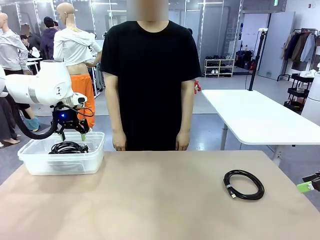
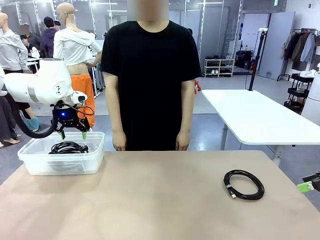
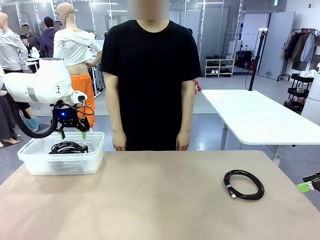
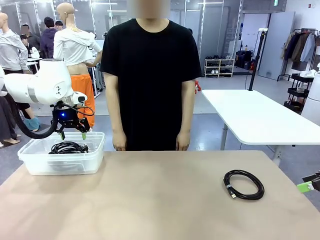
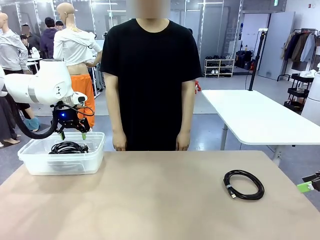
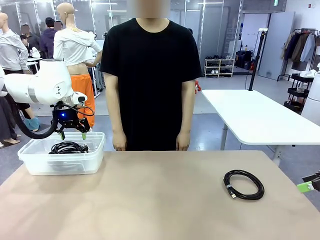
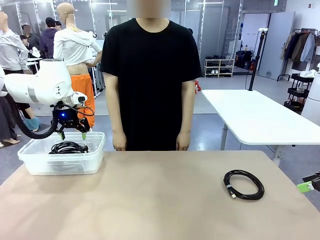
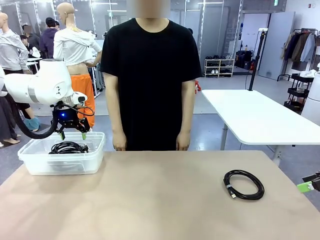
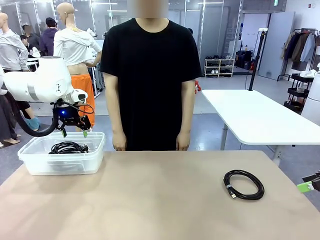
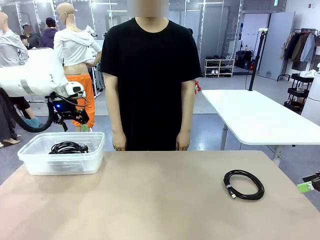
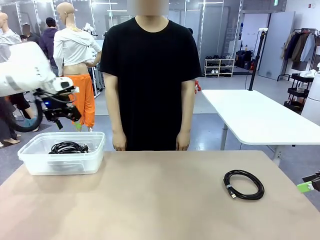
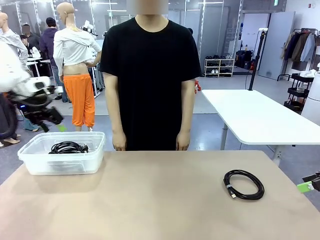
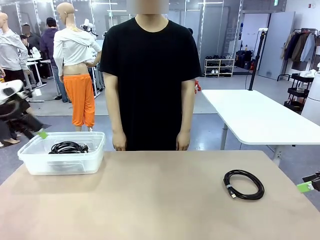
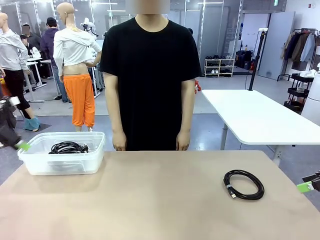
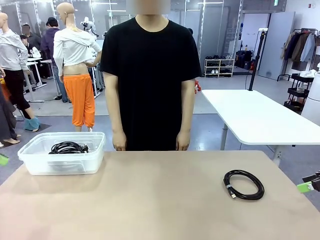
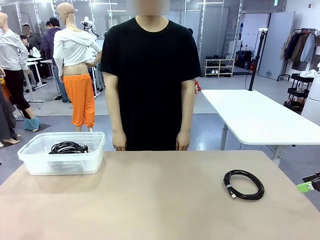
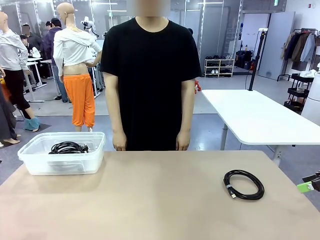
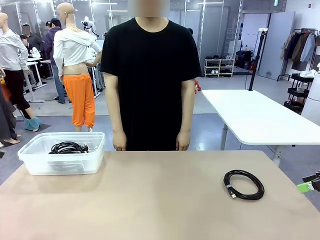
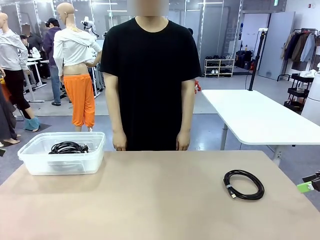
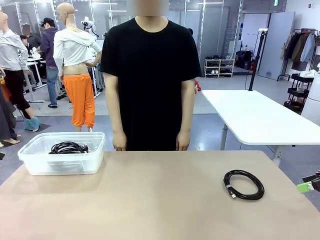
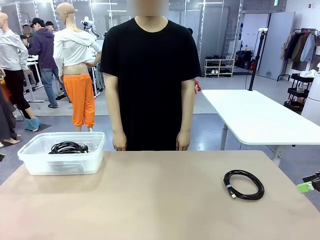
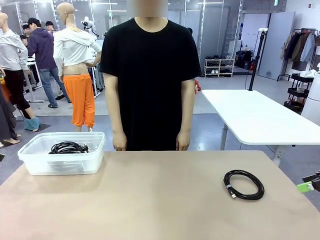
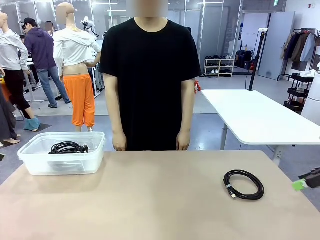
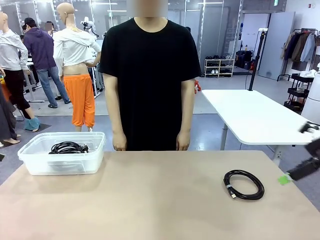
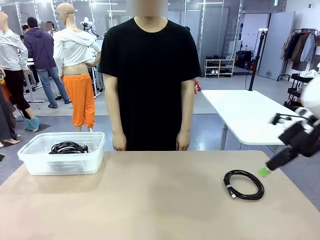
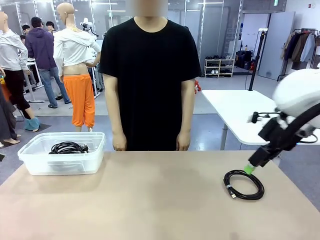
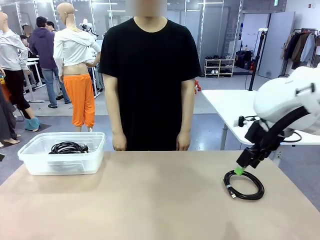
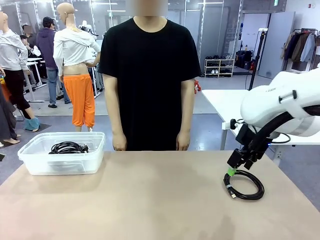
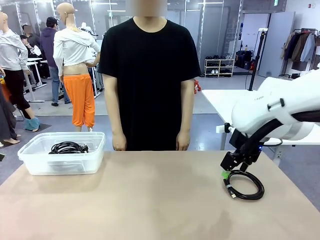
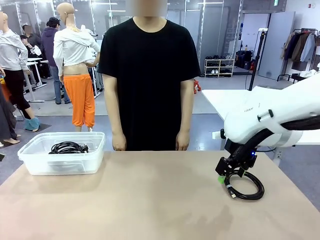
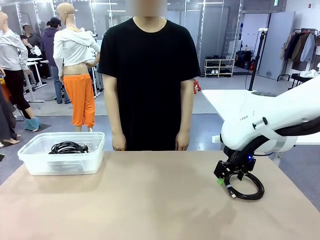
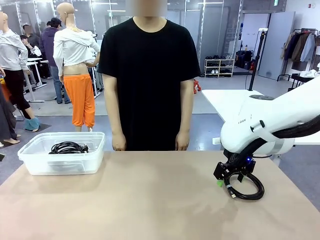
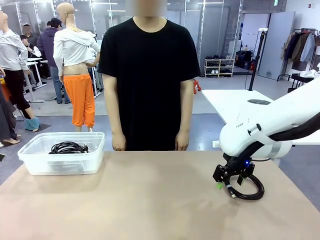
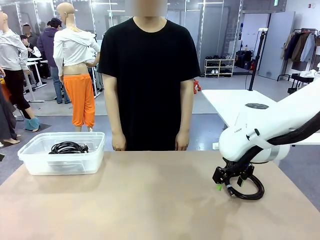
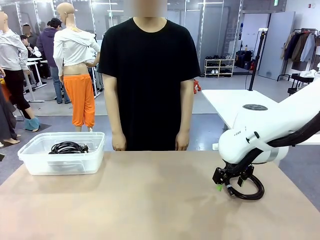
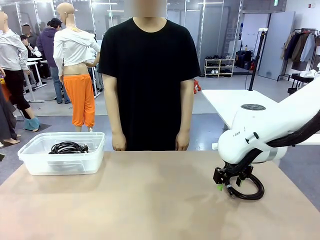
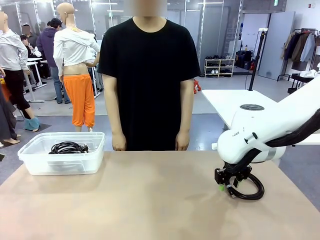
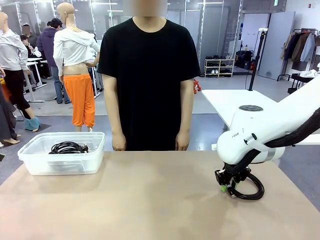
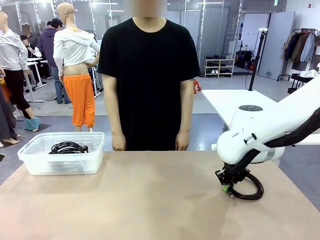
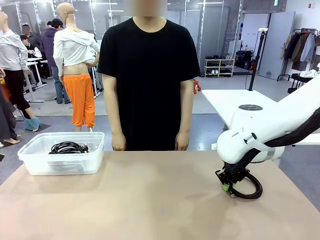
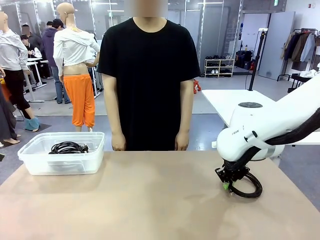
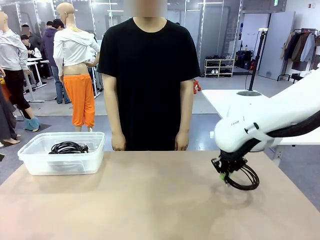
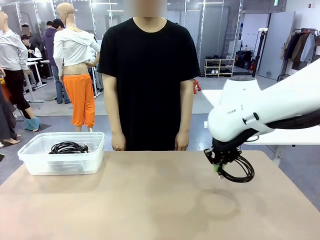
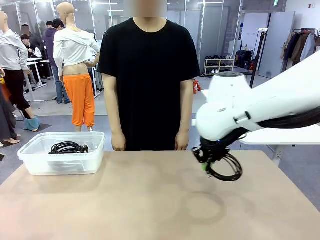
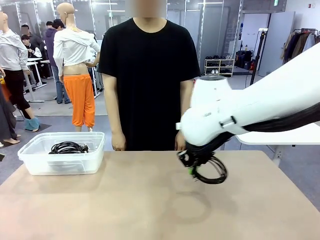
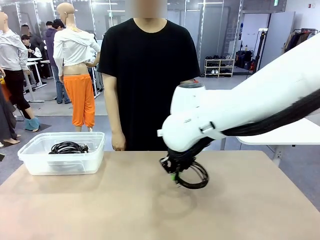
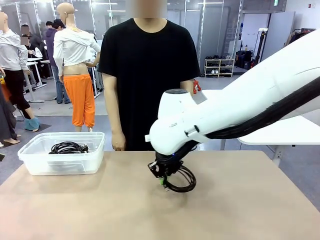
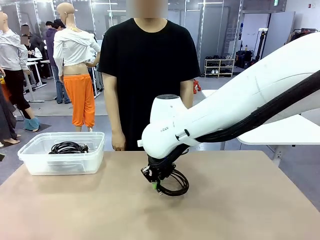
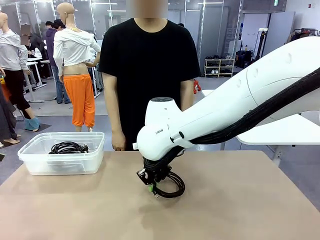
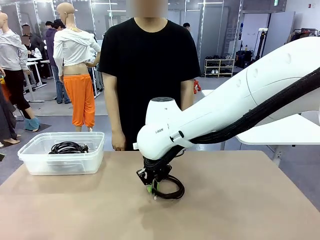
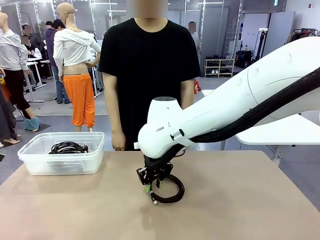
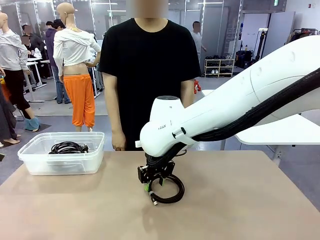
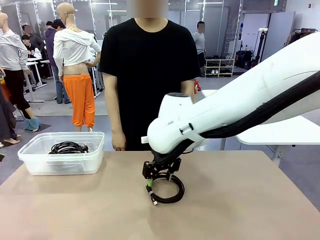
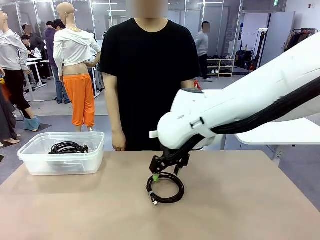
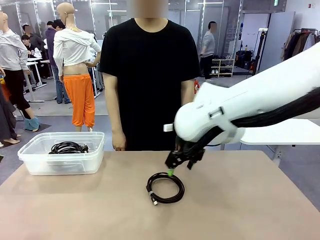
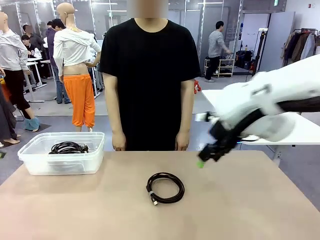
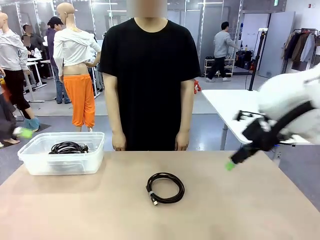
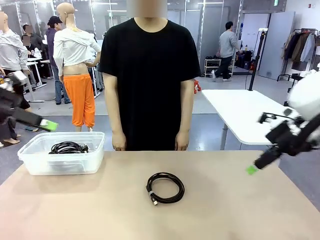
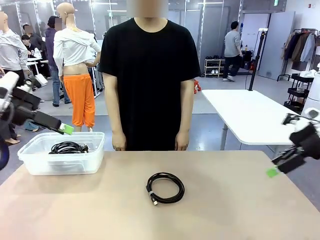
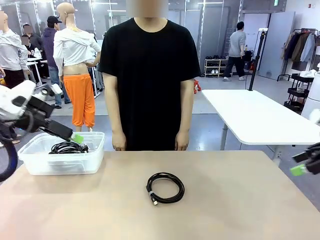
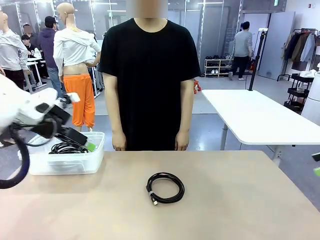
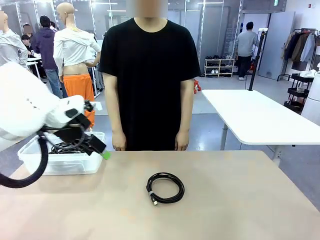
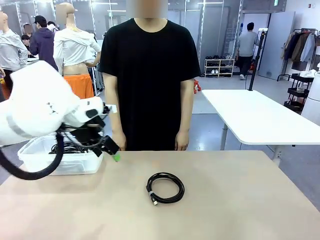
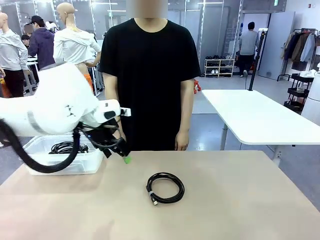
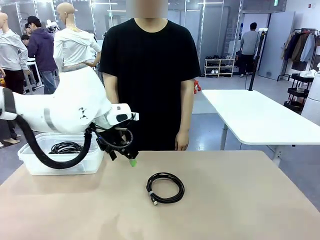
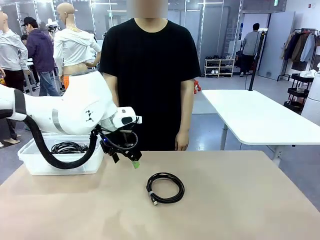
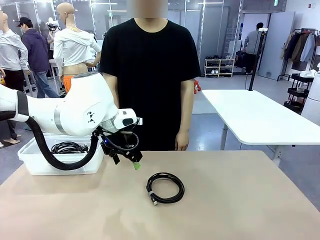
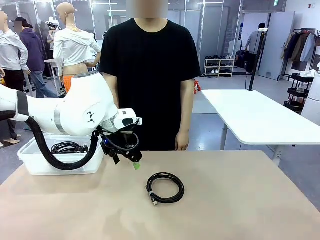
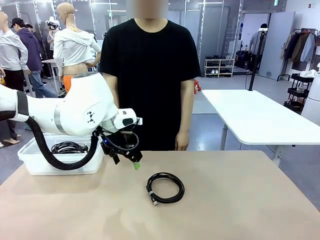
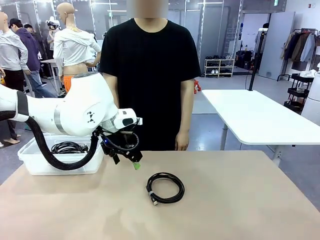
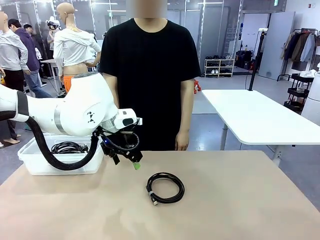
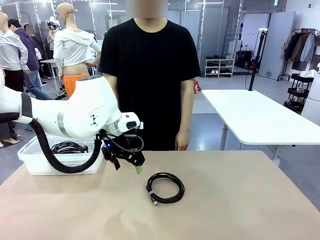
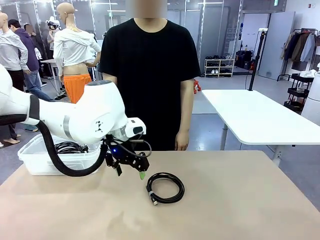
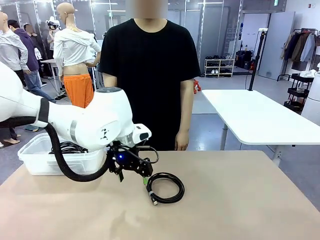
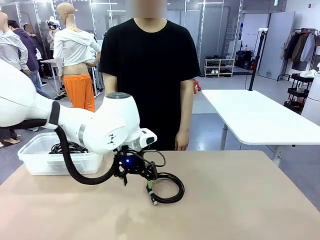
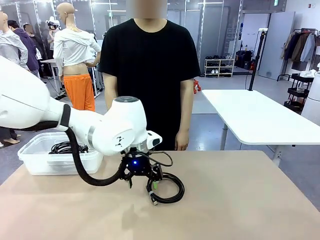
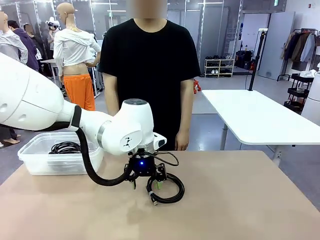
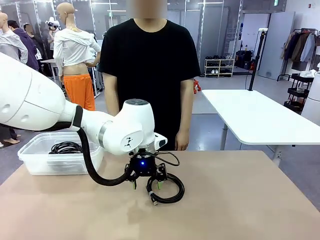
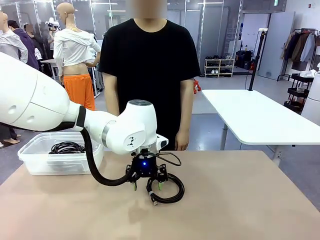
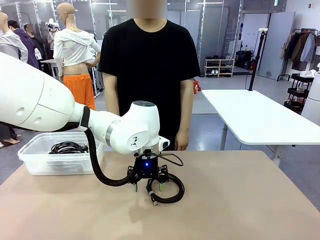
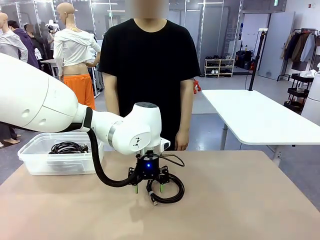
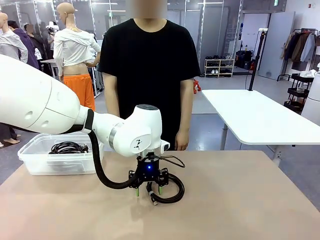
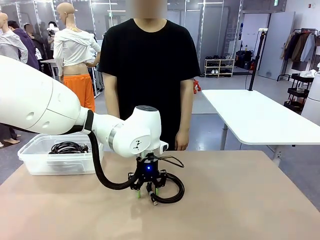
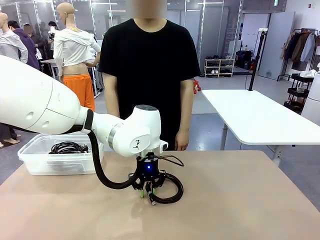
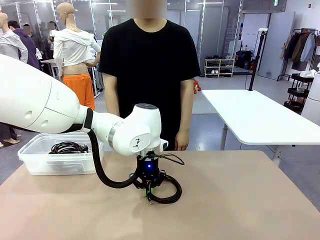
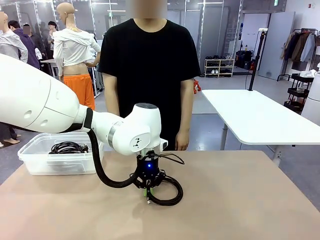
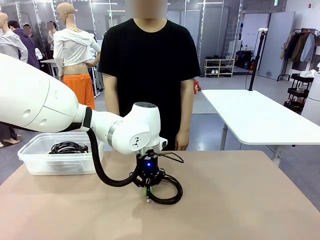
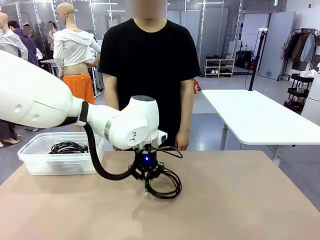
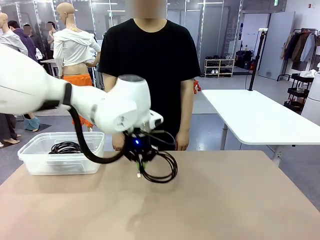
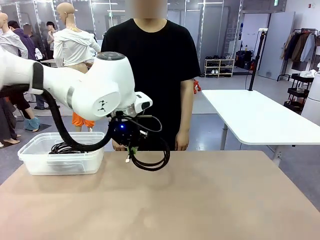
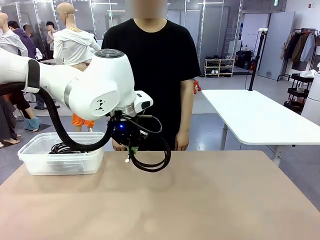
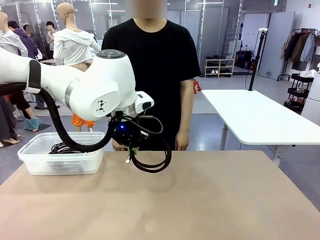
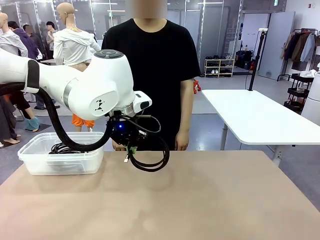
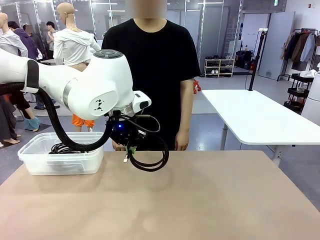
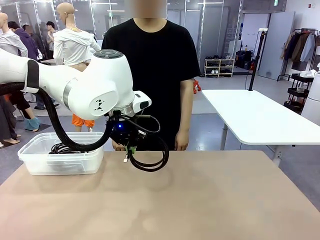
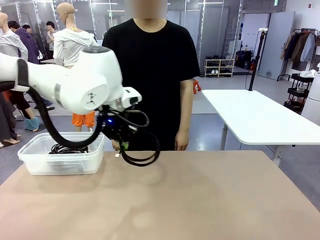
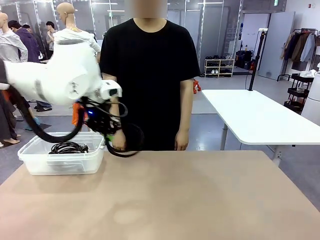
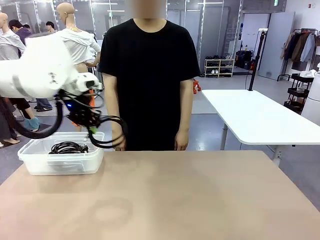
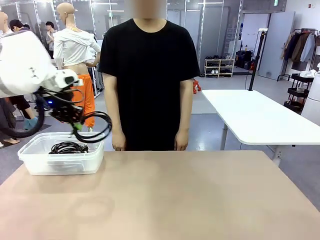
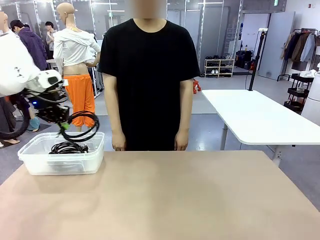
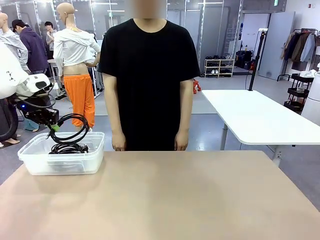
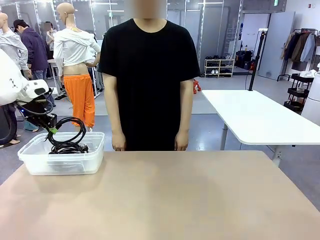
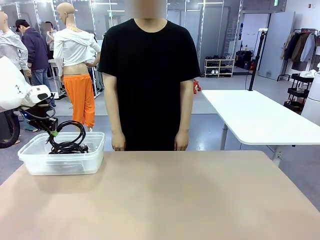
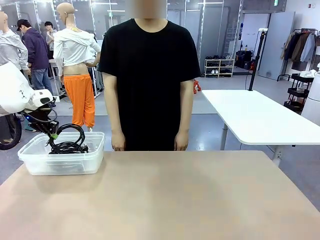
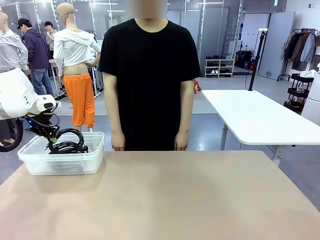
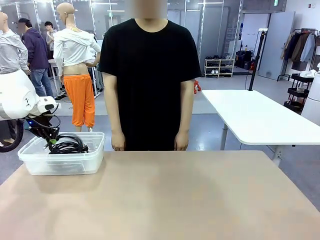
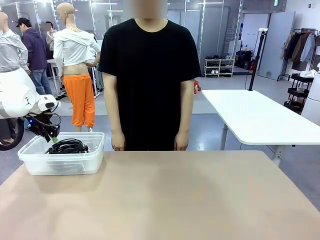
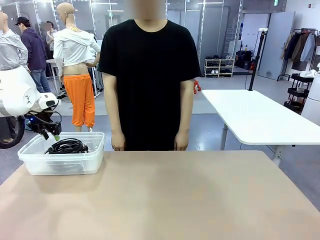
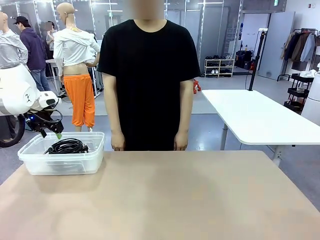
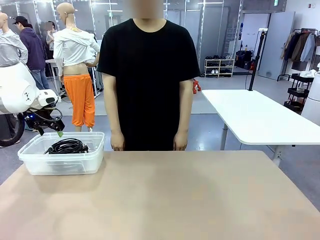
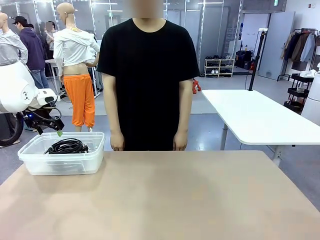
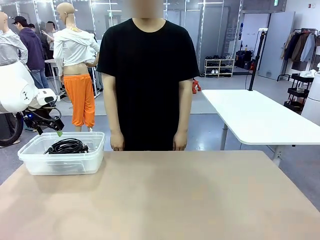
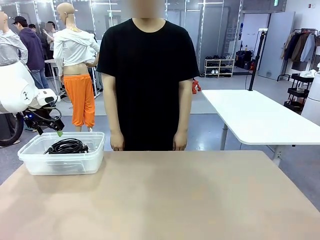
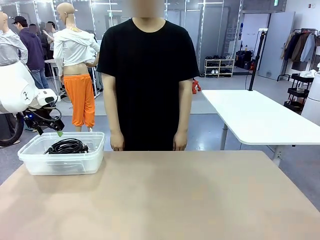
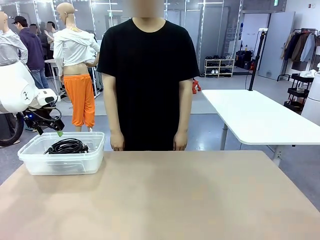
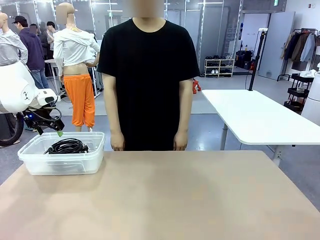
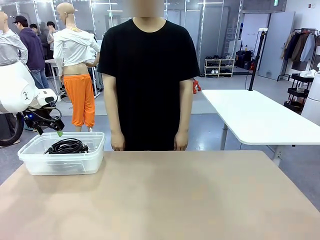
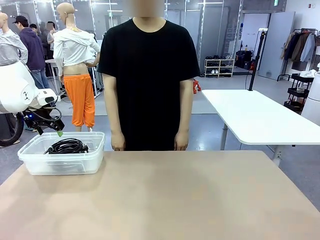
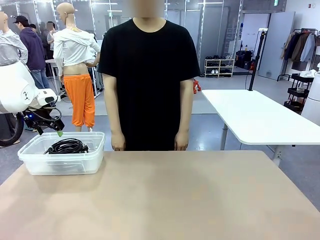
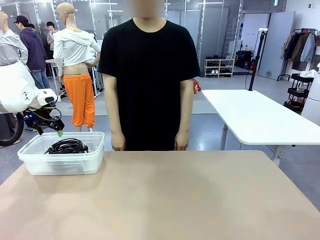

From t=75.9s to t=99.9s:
Task: Organize and store the cables.
Robot: Place the USB Extension Cable into the Organizing box.
